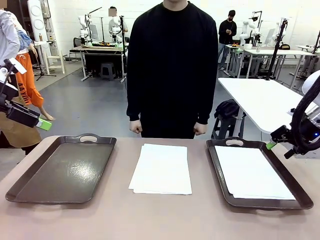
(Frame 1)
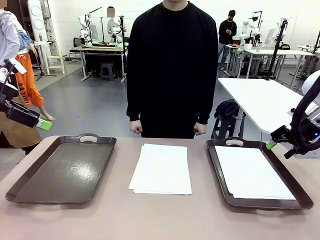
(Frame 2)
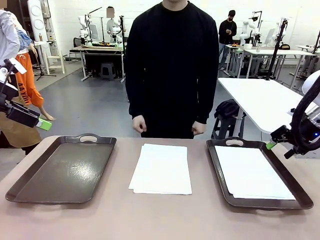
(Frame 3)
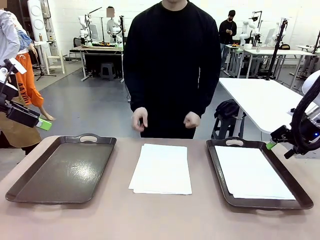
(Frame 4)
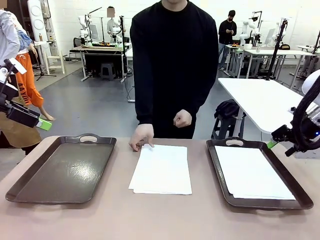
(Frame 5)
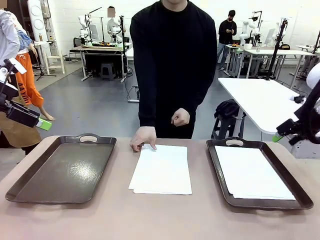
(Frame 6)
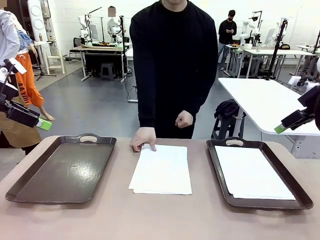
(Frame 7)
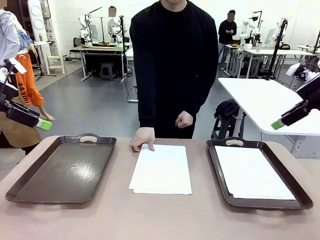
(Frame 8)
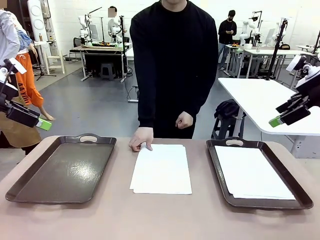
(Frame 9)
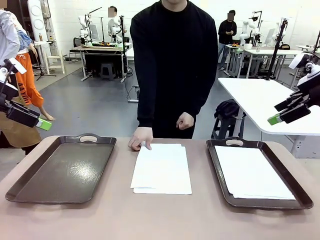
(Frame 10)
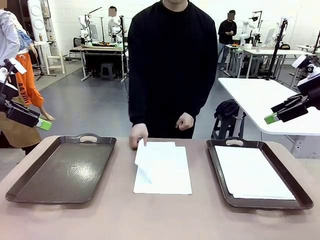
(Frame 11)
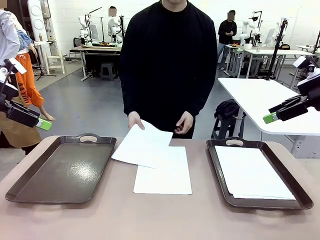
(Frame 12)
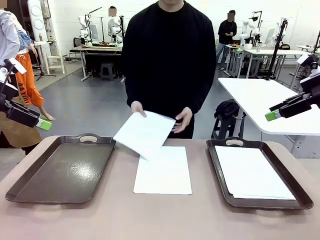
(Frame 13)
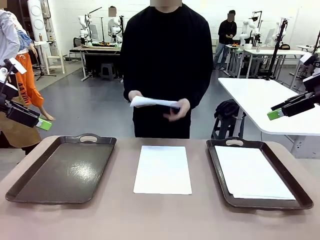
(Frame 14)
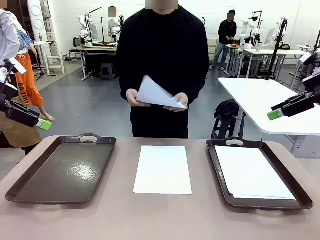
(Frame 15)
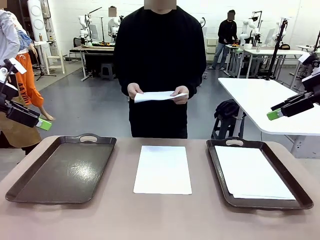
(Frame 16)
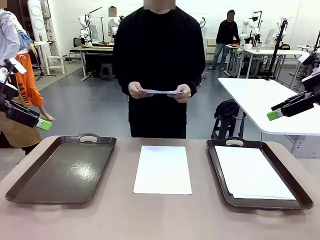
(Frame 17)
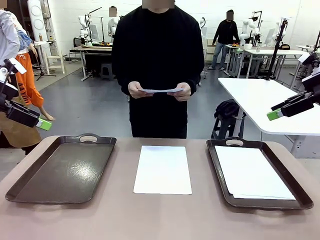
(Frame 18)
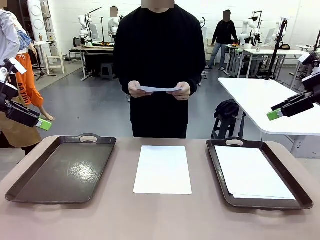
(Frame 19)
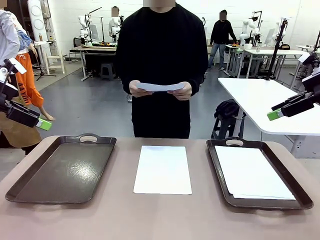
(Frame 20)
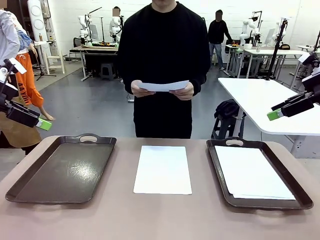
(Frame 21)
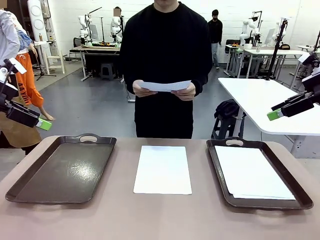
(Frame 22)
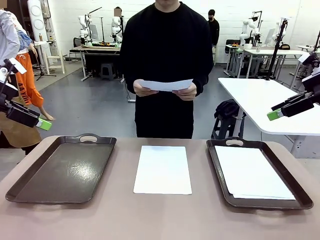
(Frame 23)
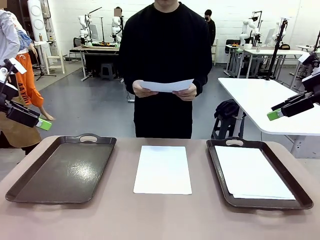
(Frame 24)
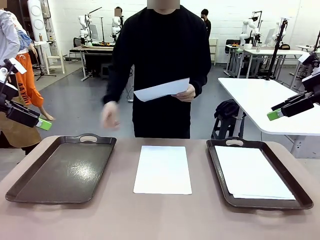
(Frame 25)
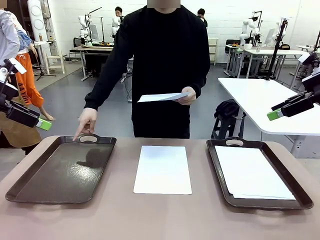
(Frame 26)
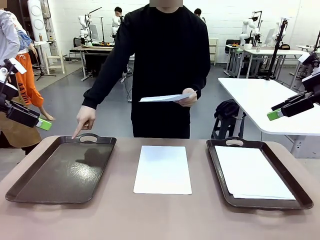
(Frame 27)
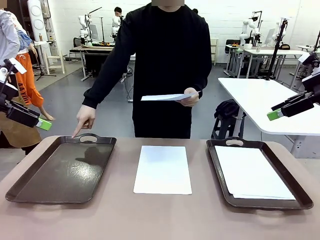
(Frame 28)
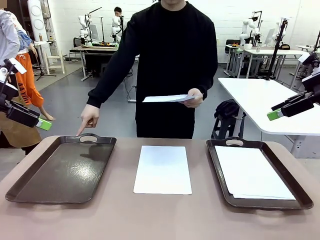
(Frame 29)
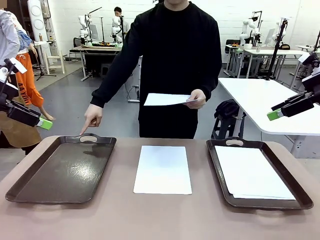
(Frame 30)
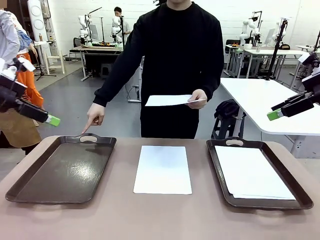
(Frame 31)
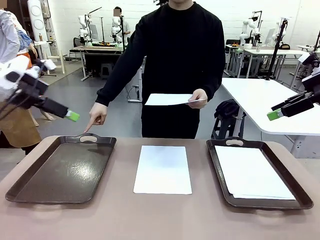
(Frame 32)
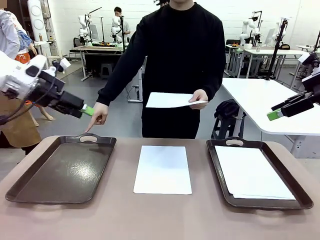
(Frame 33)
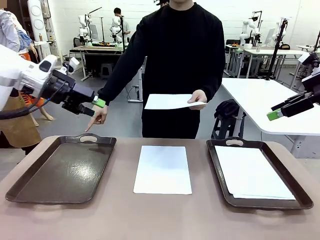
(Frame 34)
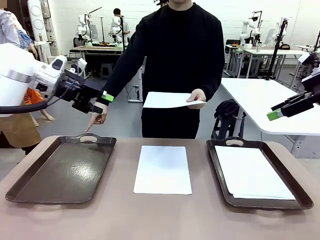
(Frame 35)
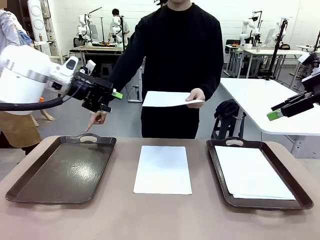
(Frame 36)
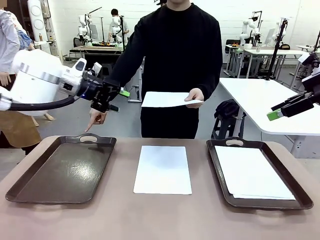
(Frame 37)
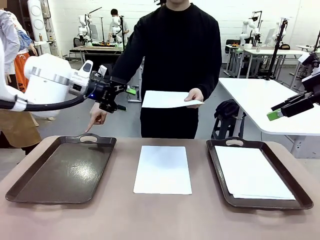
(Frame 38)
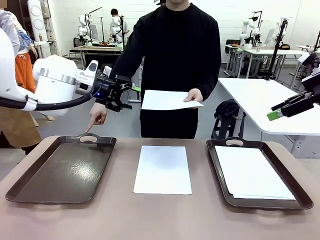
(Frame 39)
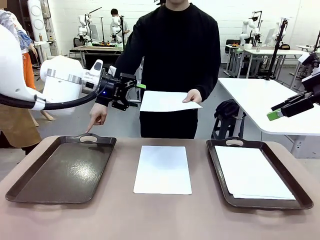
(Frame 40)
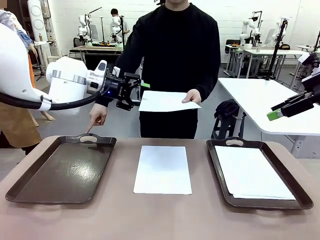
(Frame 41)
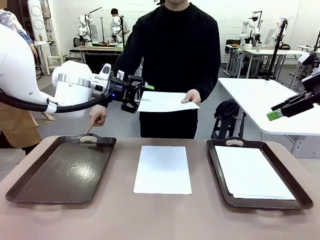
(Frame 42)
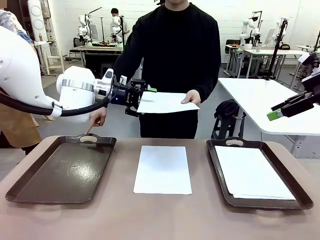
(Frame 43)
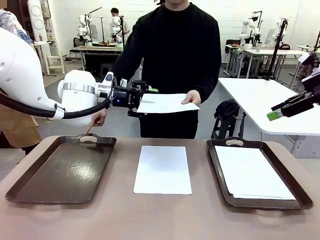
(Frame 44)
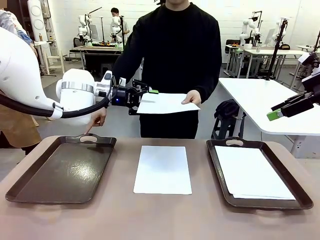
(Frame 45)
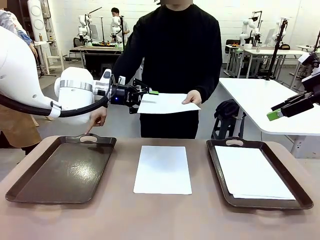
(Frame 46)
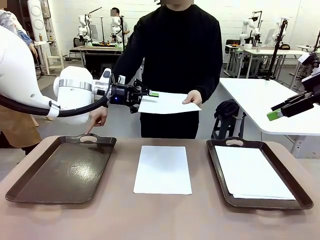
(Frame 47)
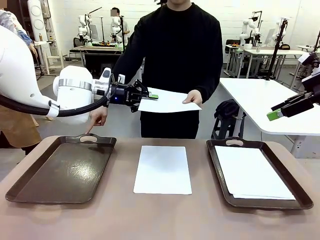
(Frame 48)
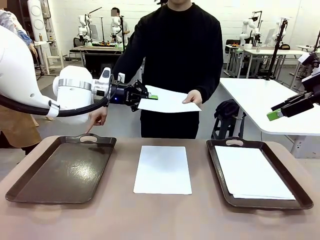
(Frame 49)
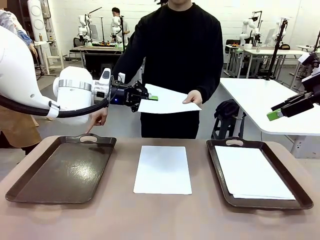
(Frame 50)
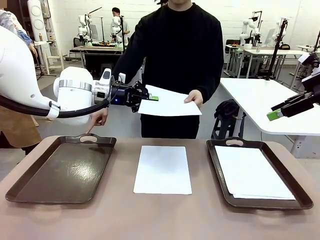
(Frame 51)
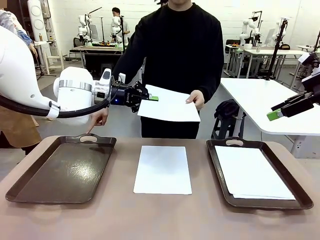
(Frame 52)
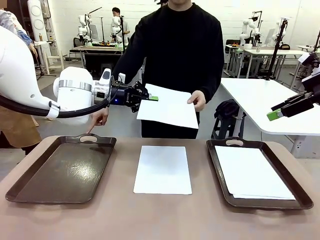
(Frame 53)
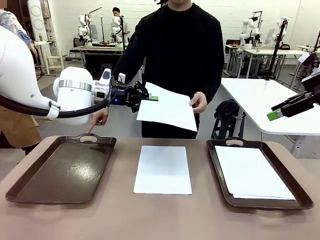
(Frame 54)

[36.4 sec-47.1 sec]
Task: Sort the A4 documents.
Robot: Receive the A4 Paper.
Person: Point the randomly selected tray with the other hand.

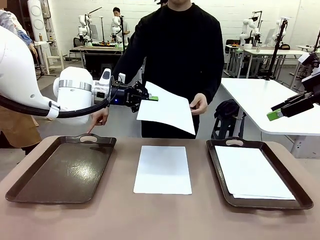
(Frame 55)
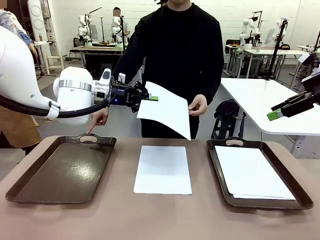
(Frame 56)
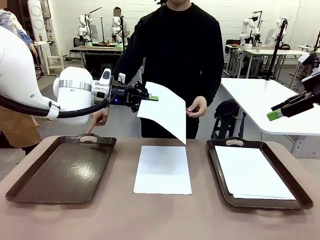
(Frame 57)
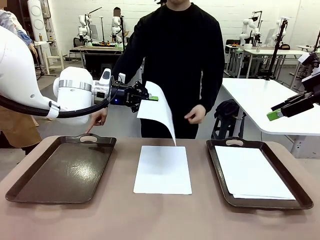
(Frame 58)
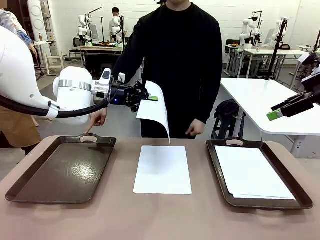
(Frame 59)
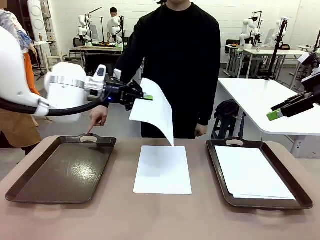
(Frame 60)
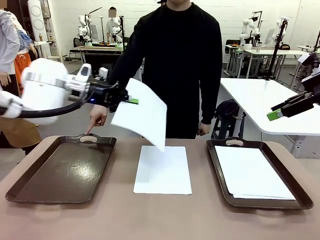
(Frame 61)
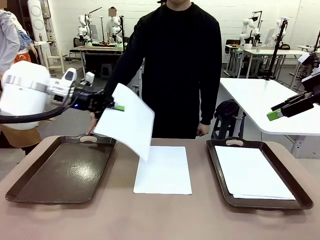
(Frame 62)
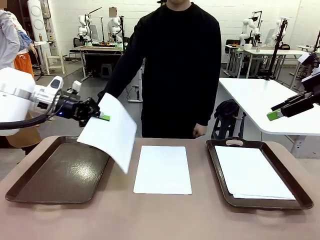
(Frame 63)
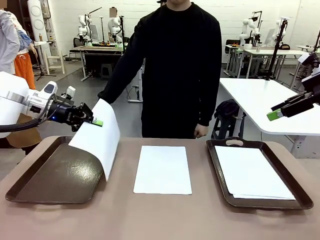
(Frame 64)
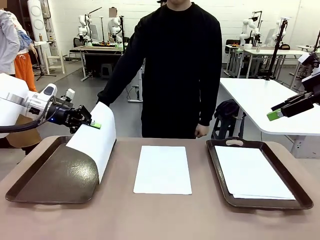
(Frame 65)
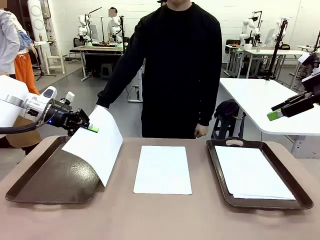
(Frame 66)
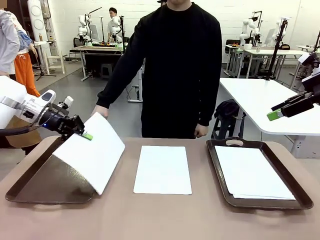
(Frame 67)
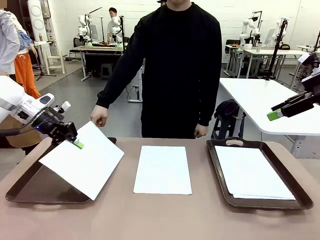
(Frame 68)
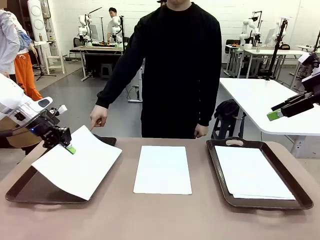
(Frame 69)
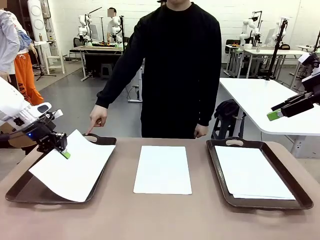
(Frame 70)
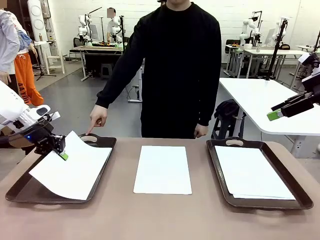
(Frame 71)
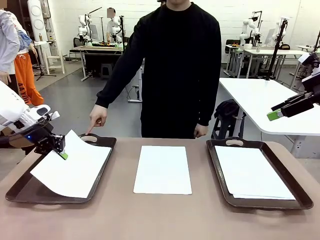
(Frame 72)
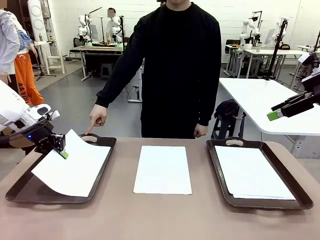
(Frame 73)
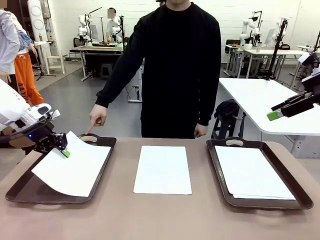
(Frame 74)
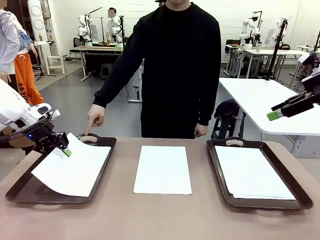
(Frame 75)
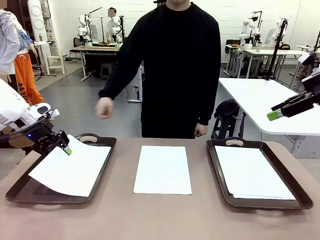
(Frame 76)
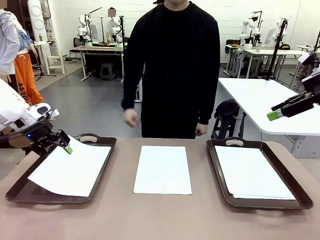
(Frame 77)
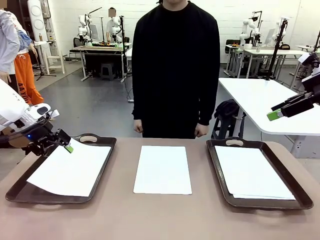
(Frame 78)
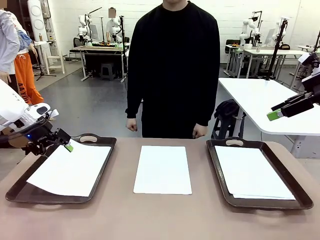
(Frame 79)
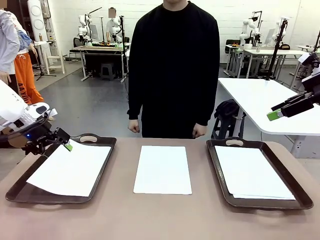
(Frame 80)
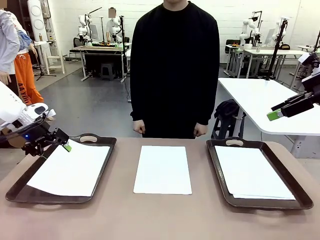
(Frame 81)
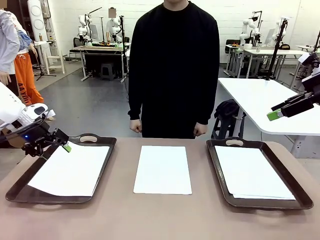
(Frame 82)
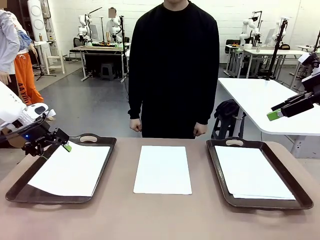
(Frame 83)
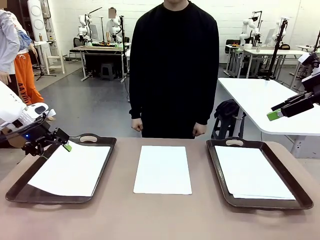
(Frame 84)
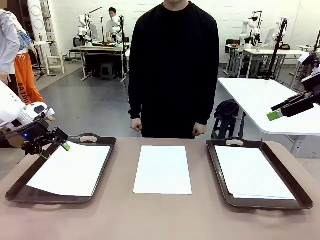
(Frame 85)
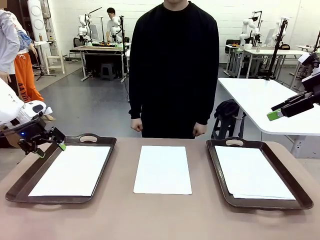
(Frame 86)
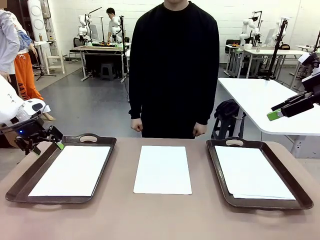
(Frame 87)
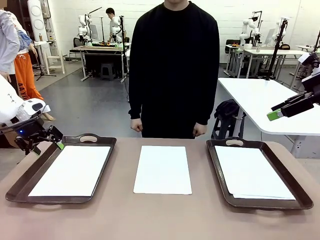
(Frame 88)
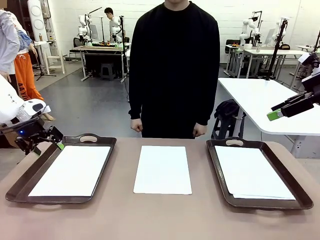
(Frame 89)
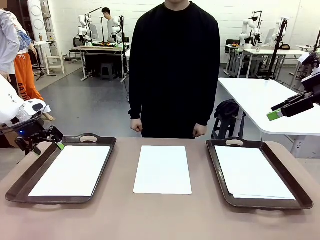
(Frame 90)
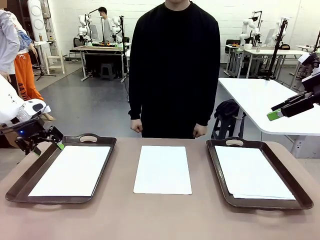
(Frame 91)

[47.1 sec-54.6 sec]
Robot: Place the A4 Paper in the designated Handle tray.
